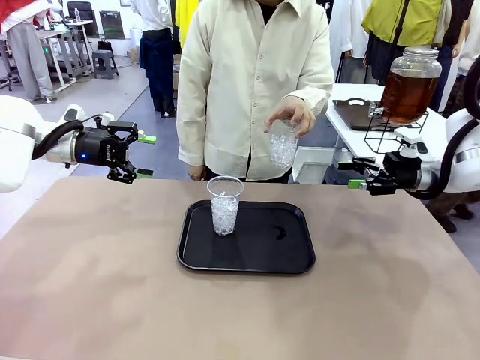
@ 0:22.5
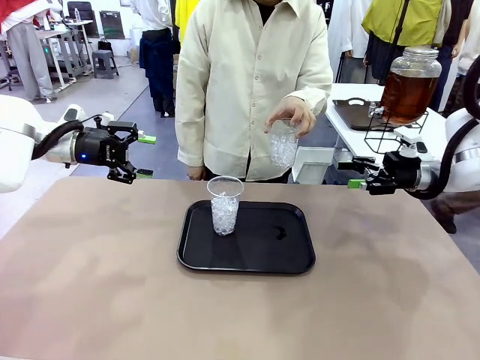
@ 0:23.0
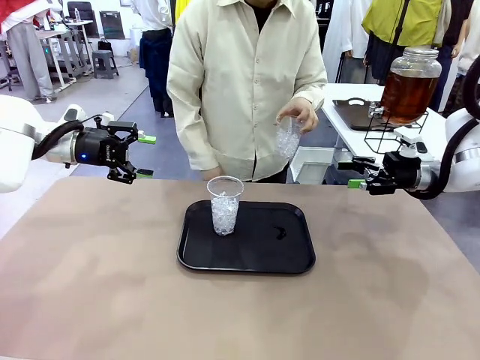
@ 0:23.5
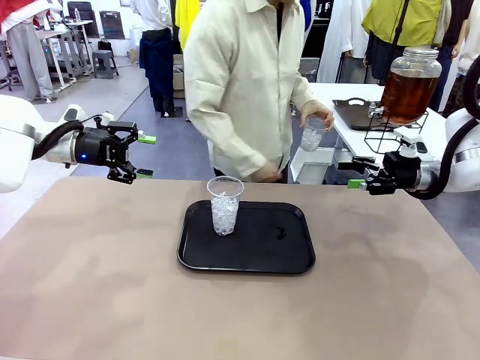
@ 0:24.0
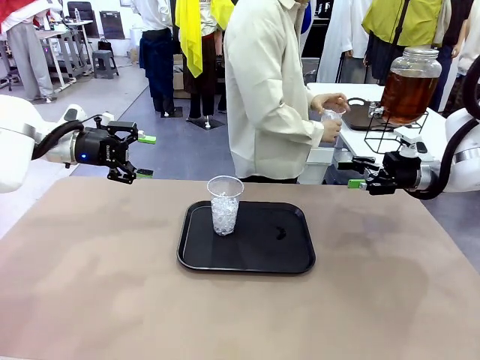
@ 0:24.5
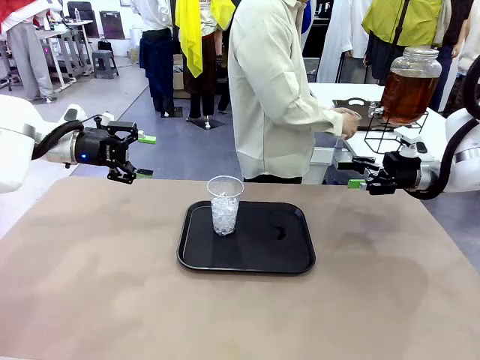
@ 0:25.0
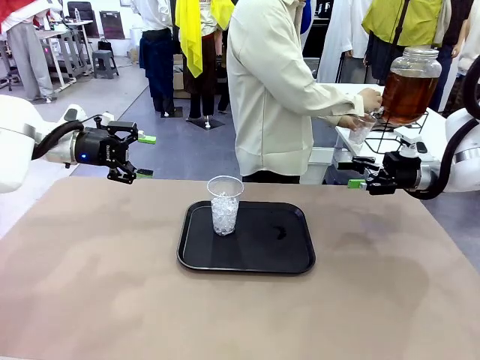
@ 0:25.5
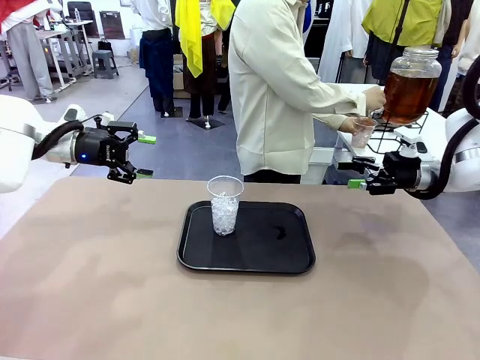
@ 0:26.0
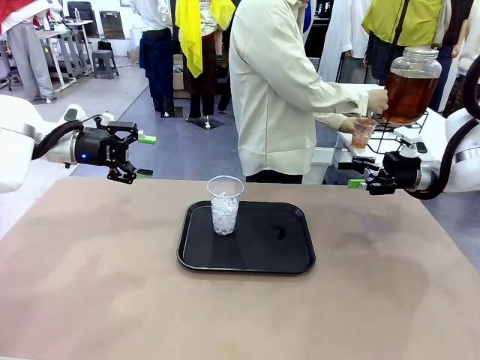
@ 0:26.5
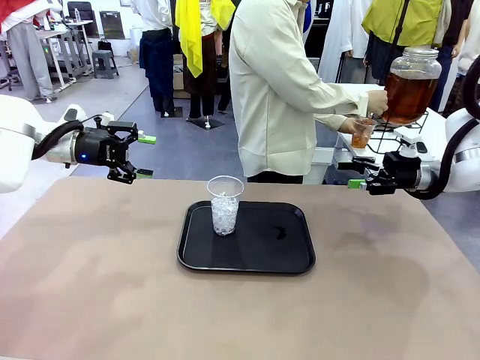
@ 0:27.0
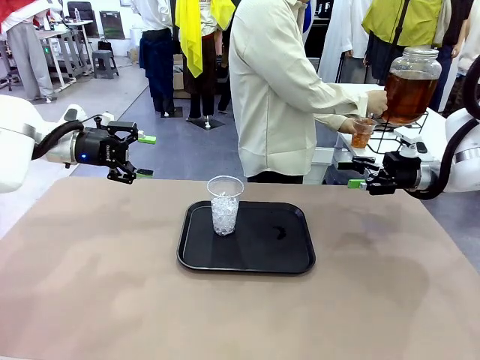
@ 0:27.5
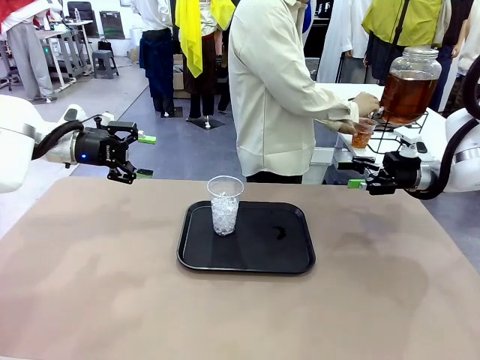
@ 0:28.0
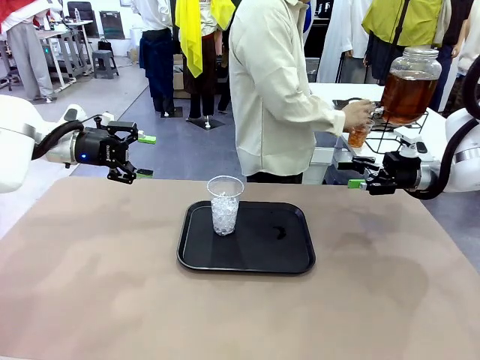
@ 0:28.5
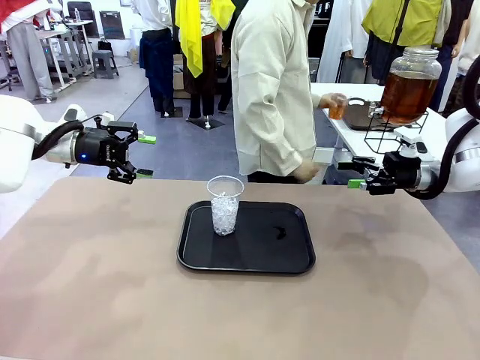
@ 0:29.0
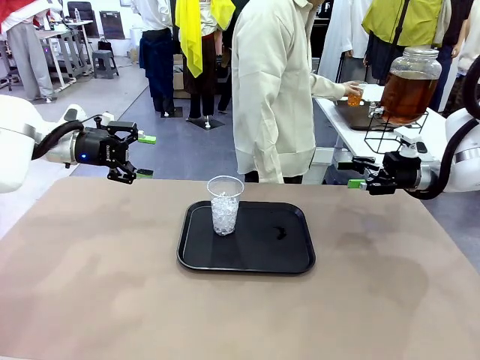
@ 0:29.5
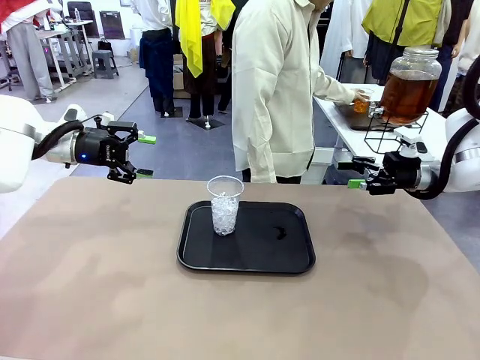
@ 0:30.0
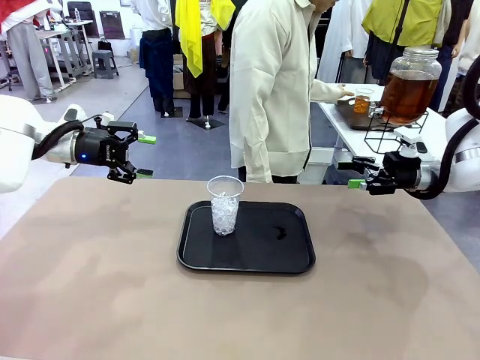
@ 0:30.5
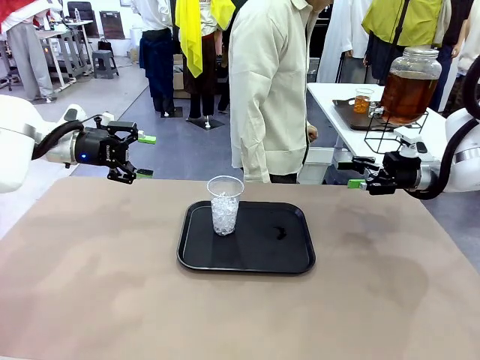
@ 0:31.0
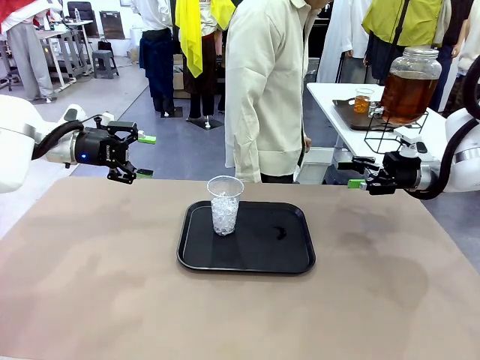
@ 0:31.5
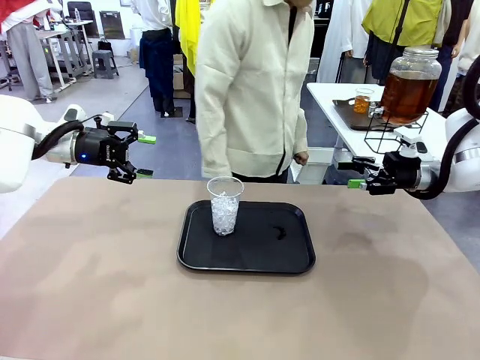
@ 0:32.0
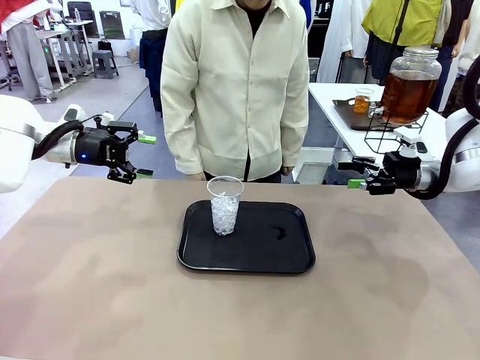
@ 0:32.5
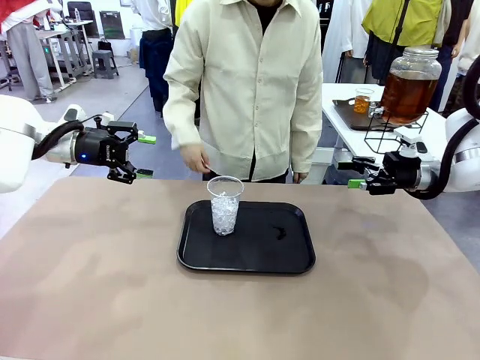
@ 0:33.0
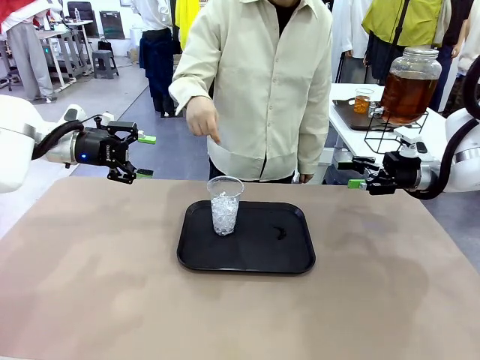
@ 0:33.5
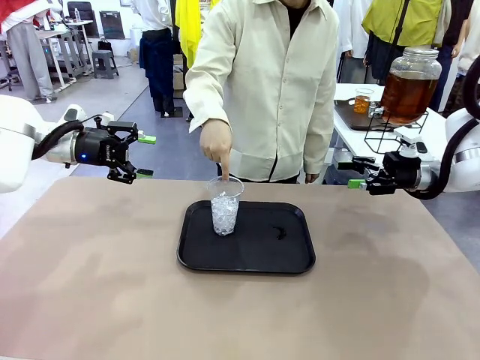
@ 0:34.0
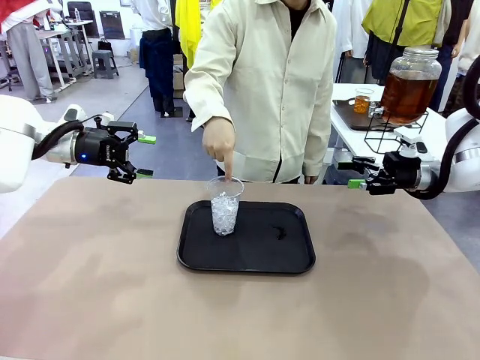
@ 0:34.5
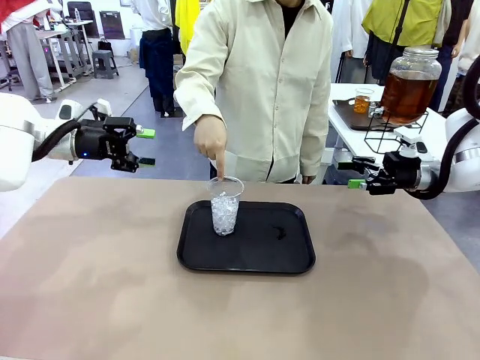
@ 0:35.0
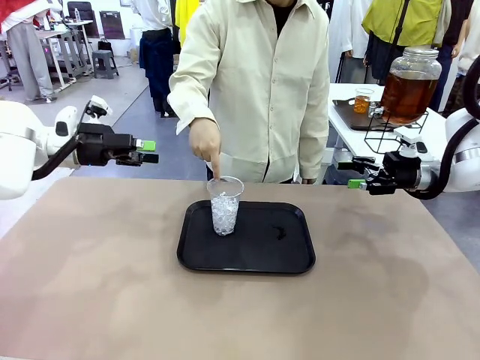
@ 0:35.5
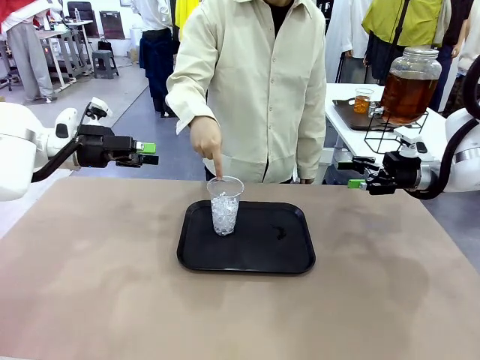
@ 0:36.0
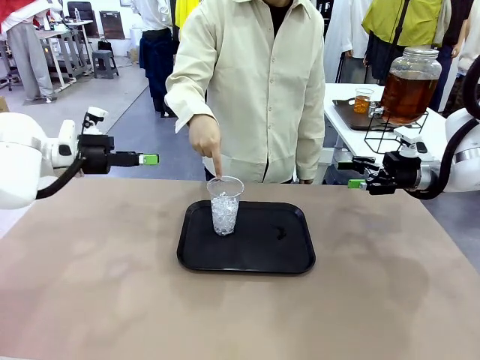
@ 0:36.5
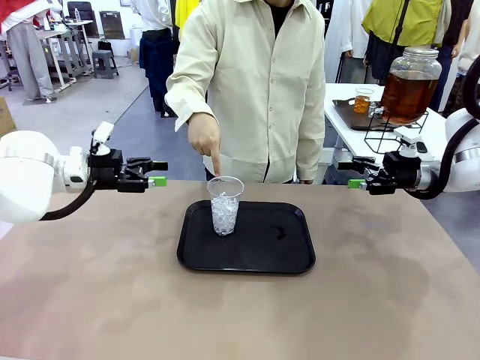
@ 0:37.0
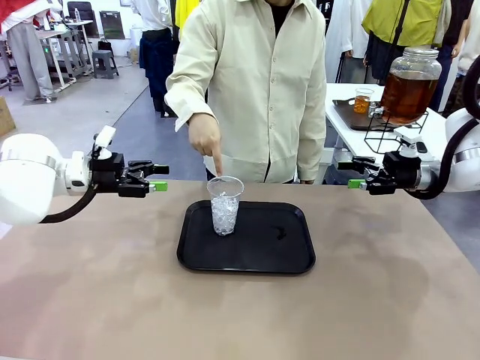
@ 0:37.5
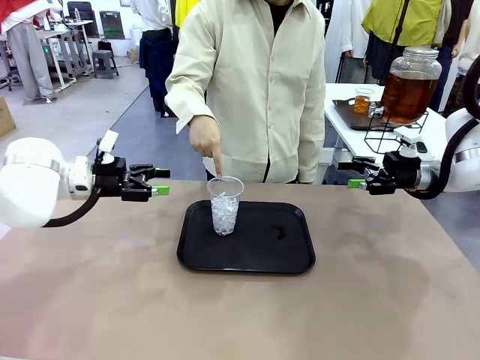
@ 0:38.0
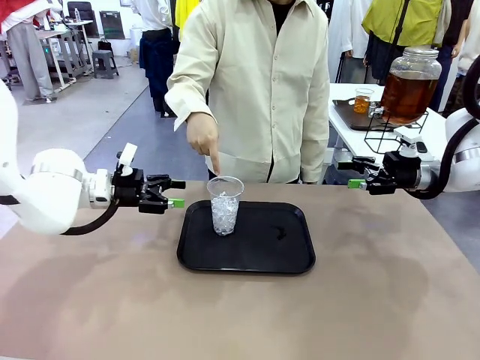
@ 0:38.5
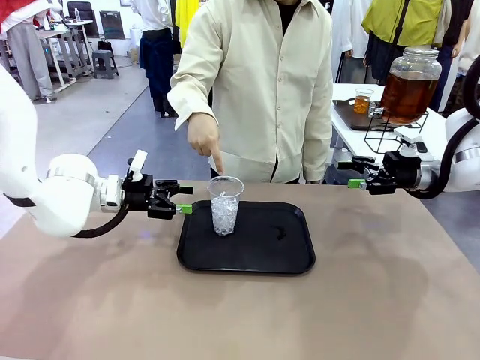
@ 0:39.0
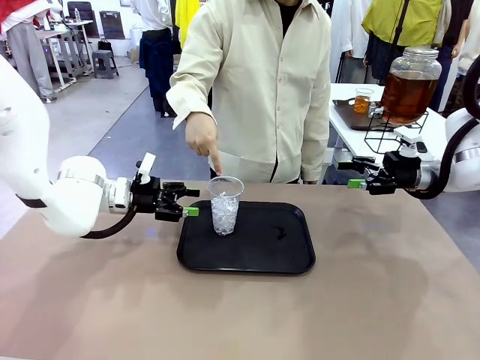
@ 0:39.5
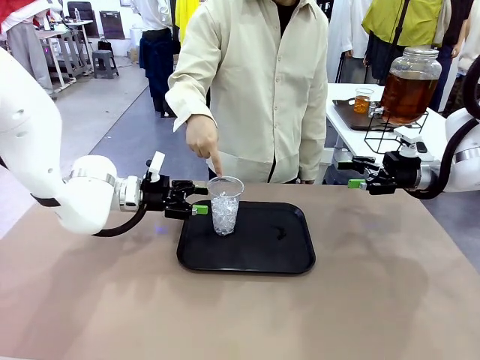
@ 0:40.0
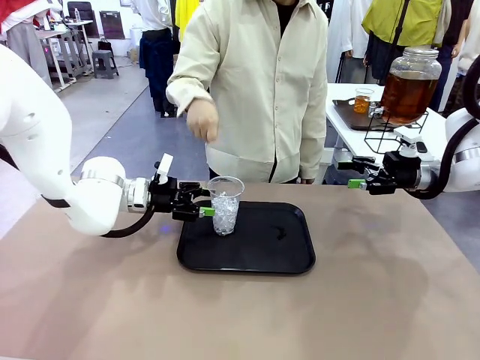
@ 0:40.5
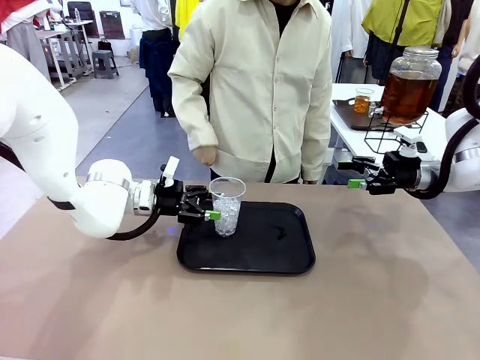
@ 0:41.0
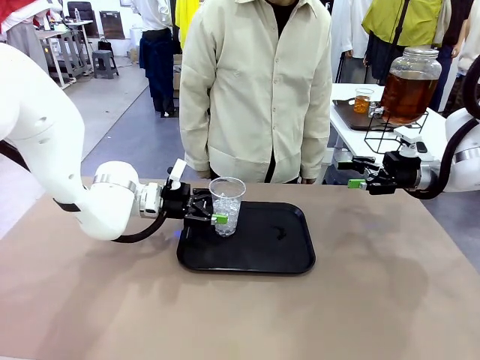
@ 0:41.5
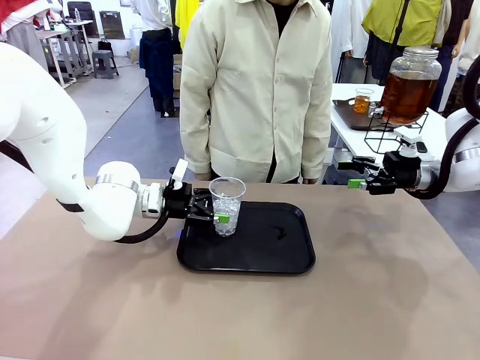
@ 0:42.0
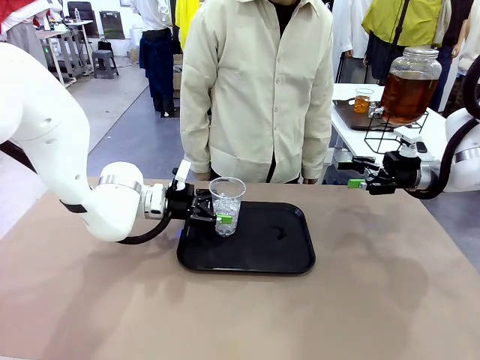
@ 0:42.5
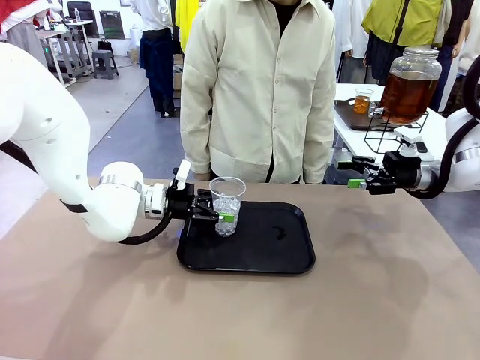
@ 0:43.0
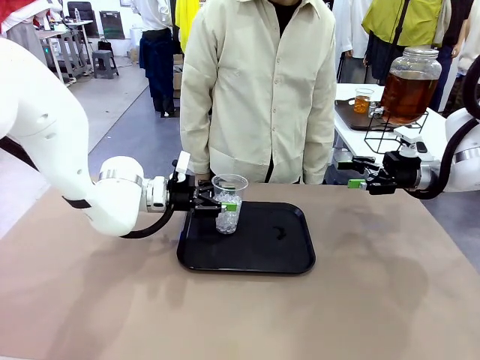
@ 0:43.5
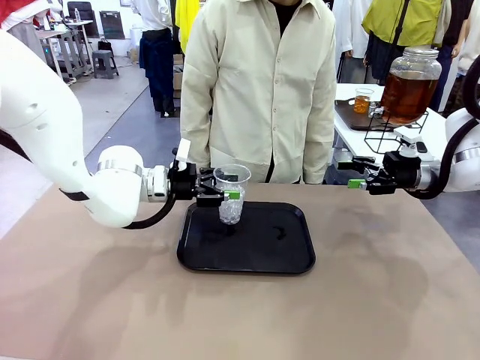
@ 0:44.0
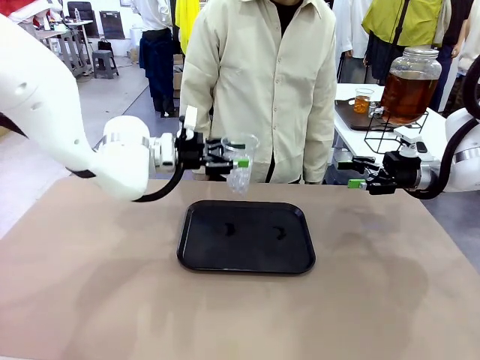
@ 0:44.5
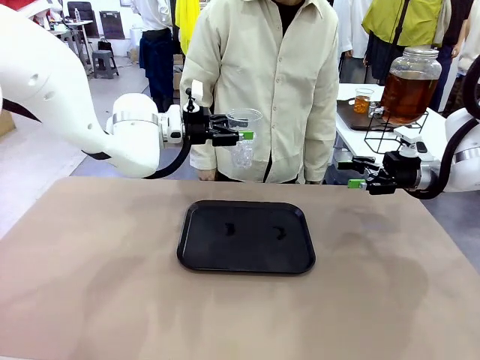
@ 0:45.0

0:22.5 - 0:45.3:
Task: Pour the drink into the iced cup.
Robot: Pick up the iced cup indicated by the human and present it to them.
Person: Move the picked-up cup under the dispenser faucet, pour the drink, and place it on the tray on the human table. Point to the remaining ice cup on the robot table. Pick up the cup offered by the robot.
